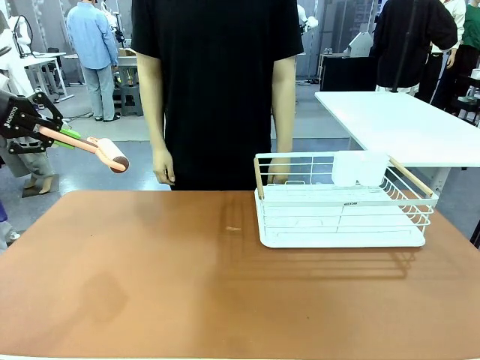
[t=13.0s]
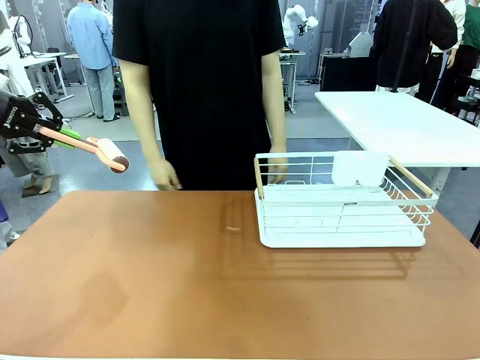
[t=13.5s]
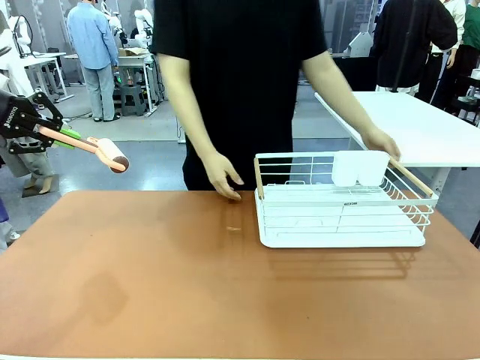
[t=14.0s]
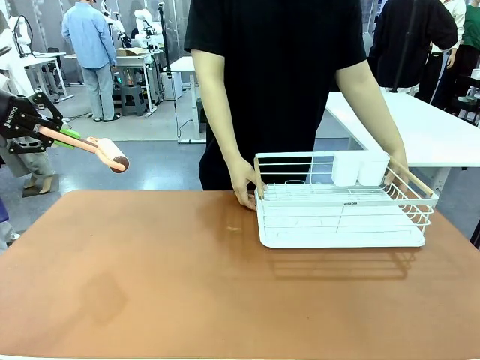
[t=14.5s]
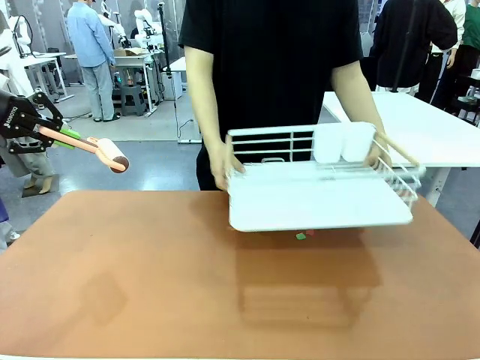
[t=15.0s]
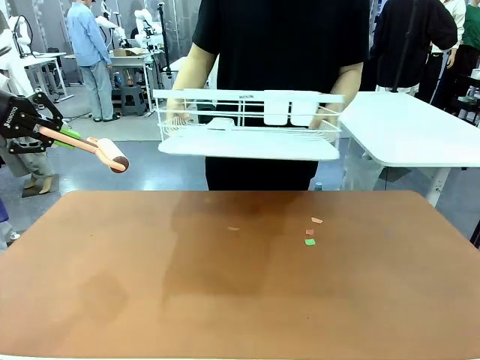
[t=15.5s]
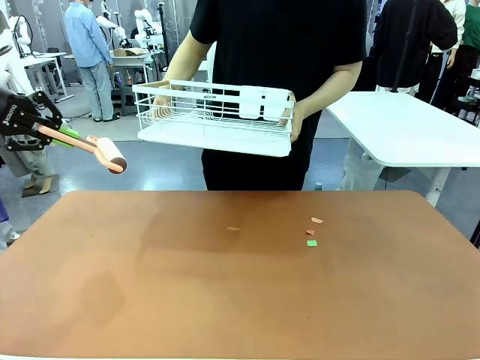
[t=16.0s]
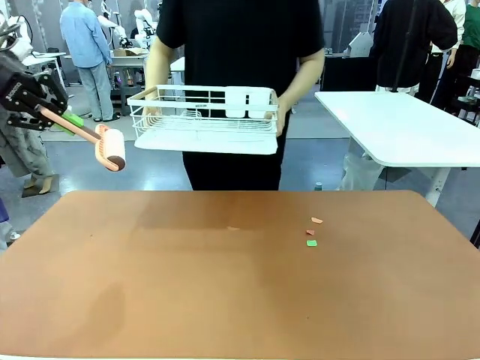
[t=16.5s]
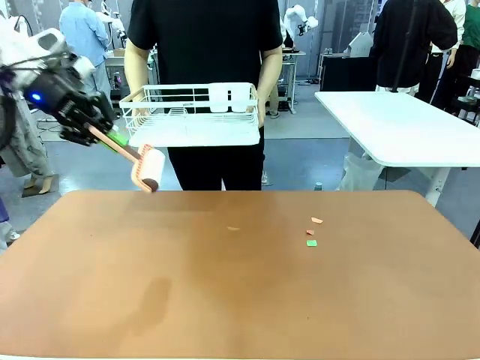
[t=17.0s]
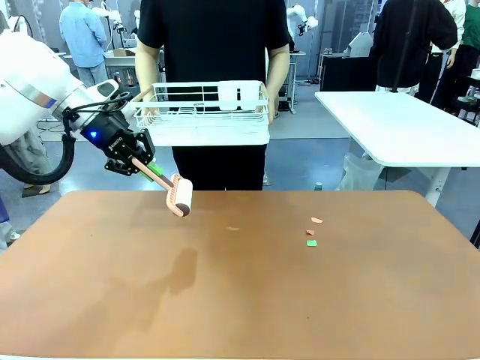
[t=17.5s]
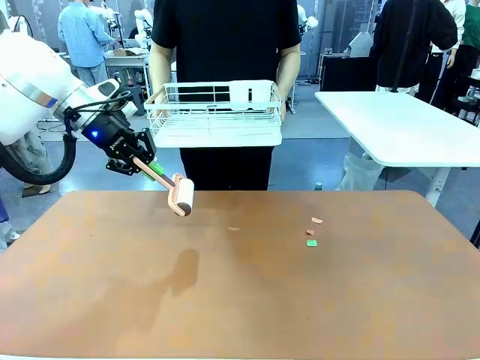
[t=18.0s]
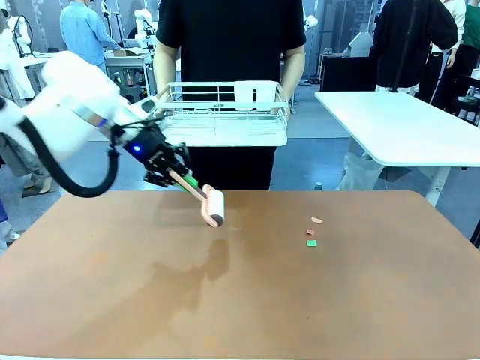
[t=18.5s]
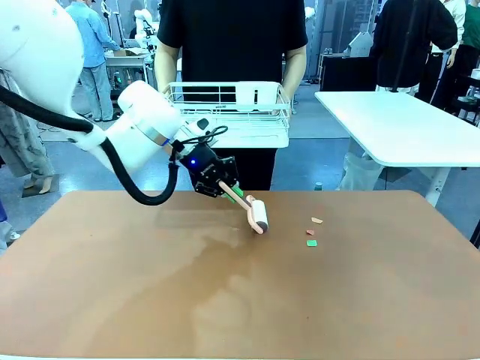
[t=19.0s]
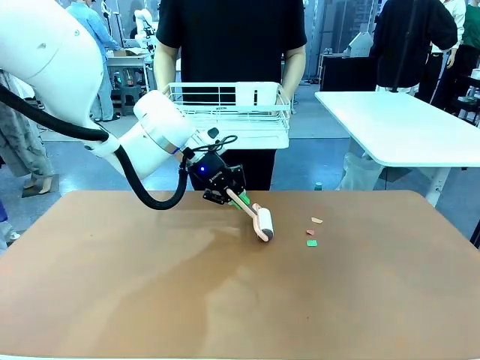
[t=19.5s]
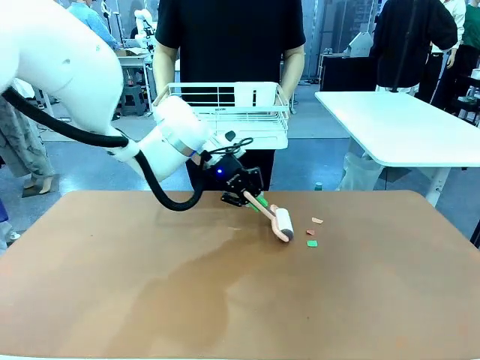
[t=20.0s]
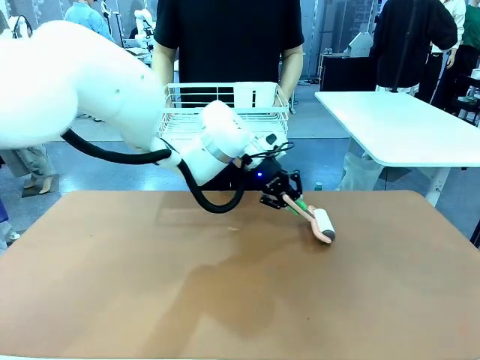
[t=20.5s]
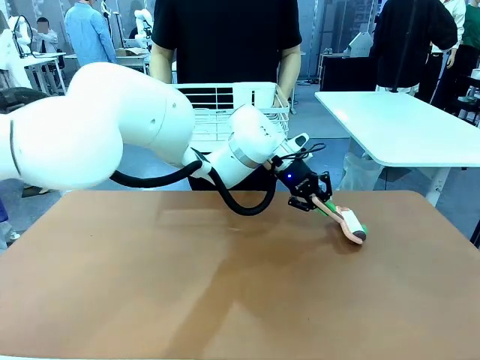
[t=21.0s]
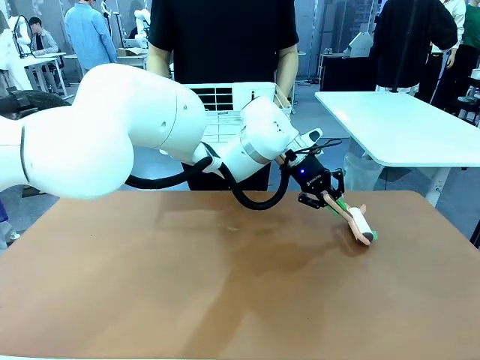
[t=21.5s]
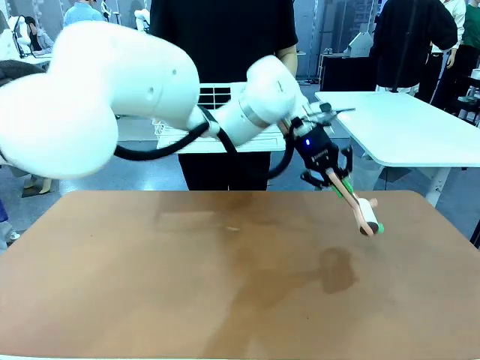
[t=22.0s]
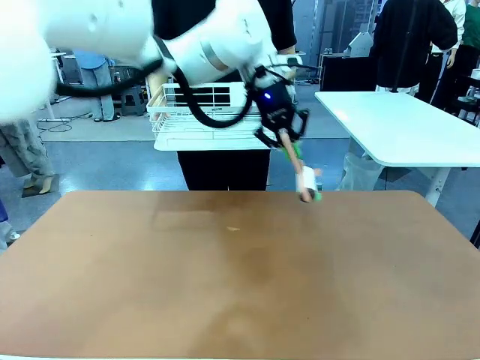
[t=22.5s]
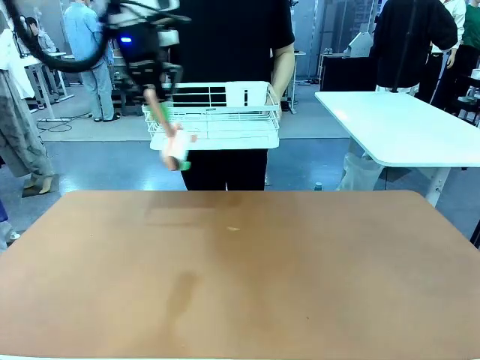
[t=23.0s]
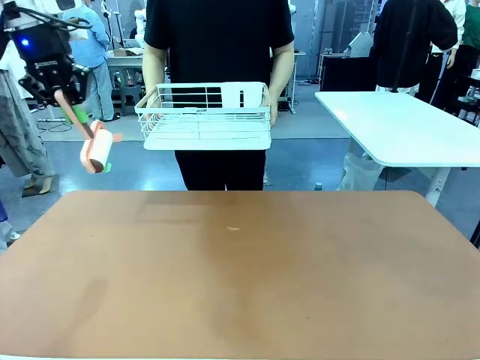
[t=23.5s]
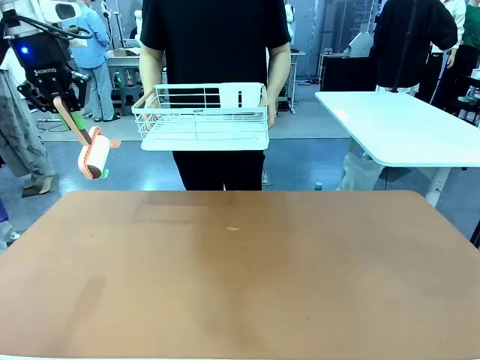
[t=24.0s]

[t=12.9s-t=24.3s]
Task: Clean the table.
Robot: Clean the table with the Lint Roller when the human lifts the Dish drying rack.

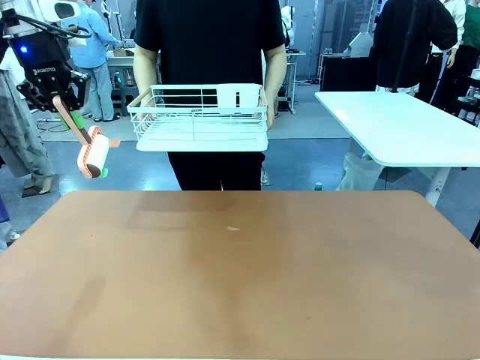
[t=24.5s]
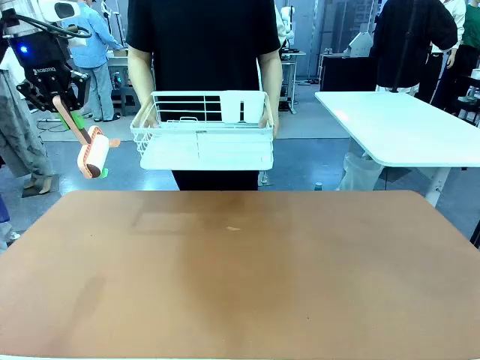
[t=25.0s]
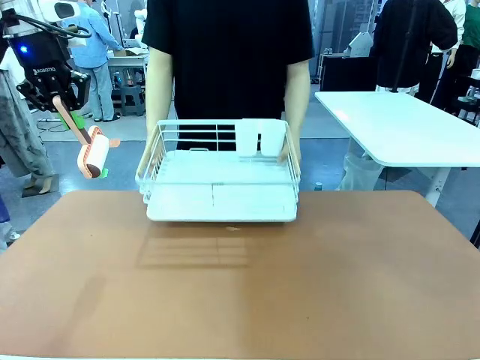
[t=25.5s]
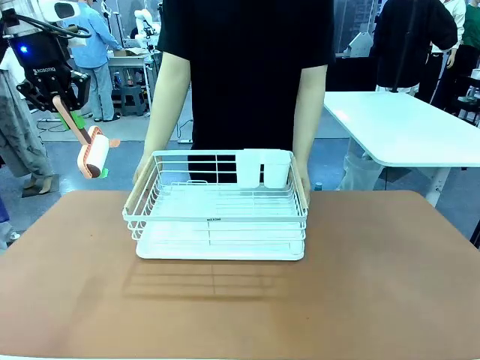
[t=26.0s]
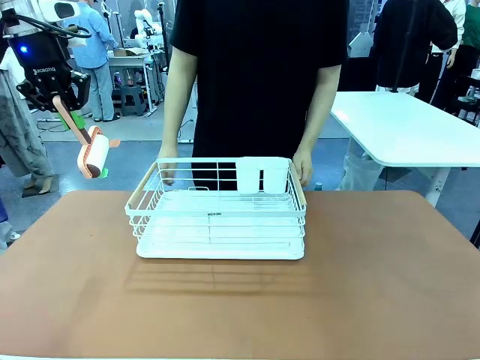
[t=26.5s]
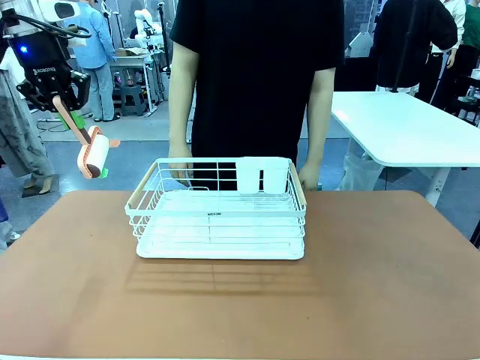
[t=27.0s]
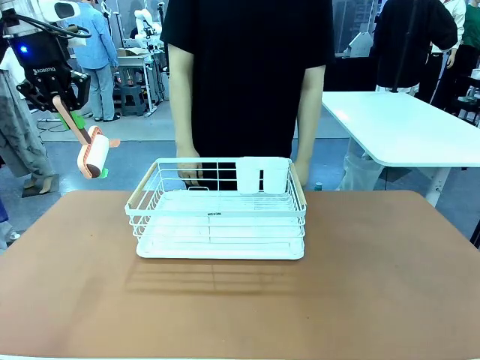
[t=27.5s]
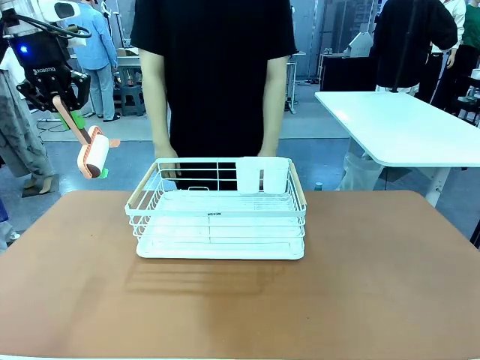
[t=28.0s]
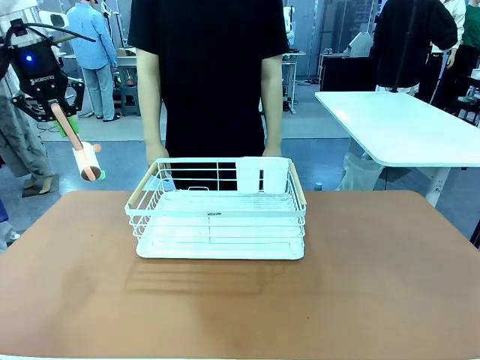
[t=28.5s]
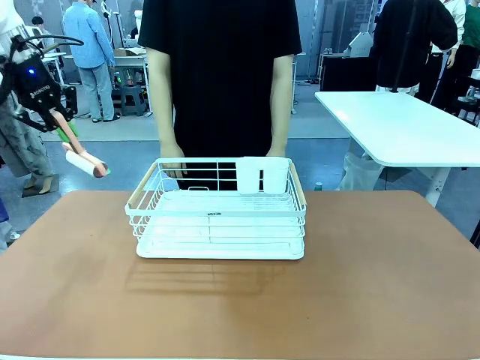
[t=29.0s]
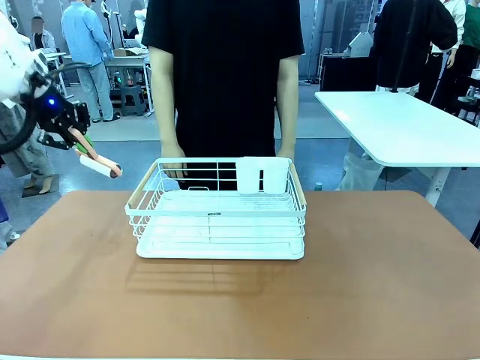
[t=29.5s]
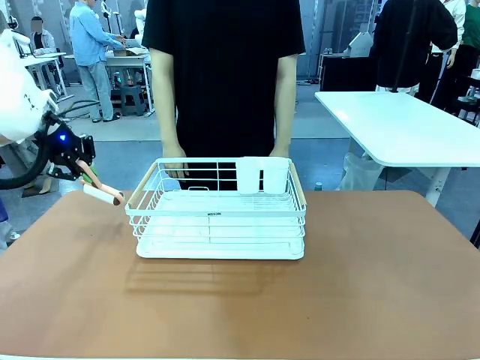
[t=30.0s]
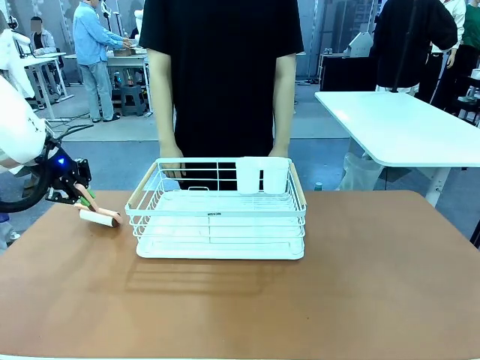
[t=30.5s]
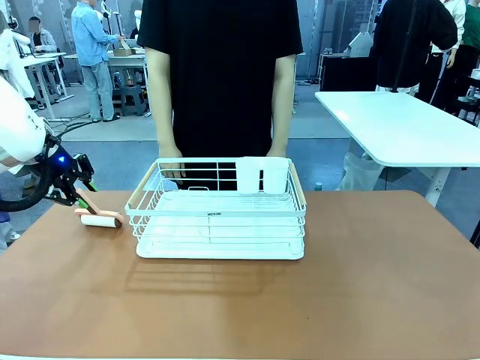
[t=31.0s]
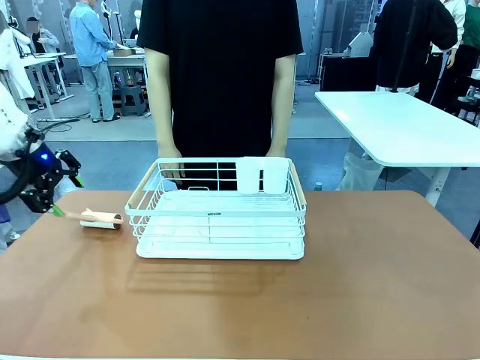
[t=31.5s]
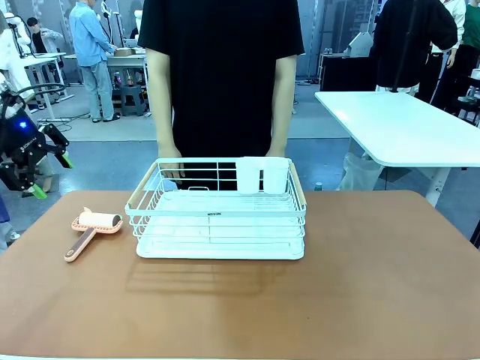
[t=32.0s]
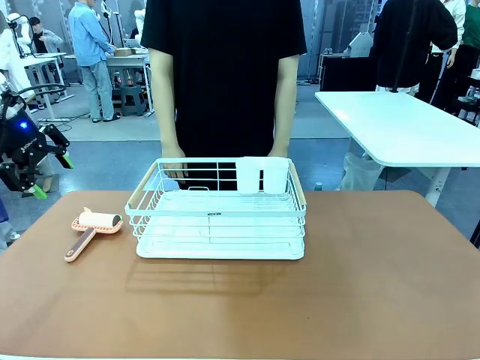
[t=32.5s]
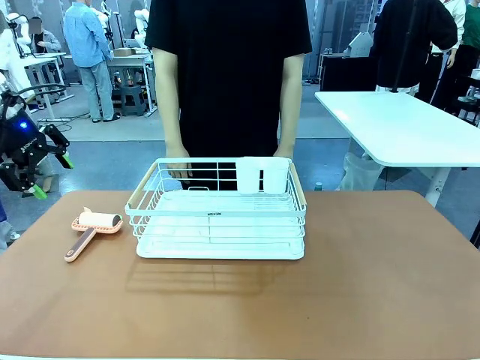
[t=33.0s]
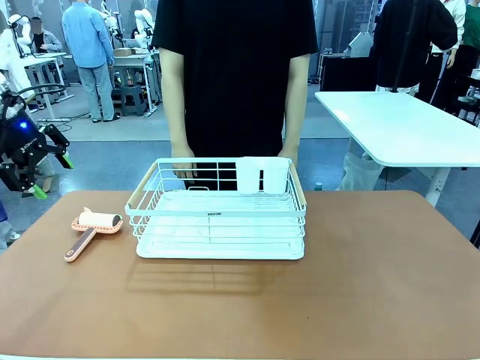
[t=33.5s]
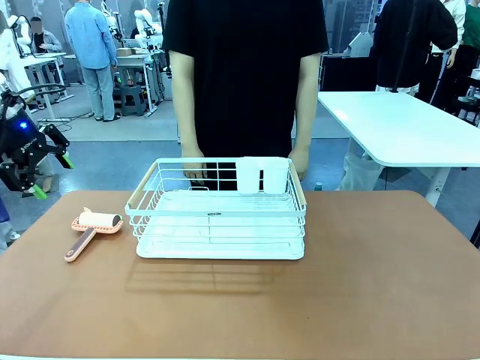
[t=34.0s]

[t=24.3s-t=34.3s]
Robot: Place the Lint Roller down when the Dish drying rack is positioned in the middle of the table.
Person: Place the Dish drying rack down when the robot finishes cleaning.

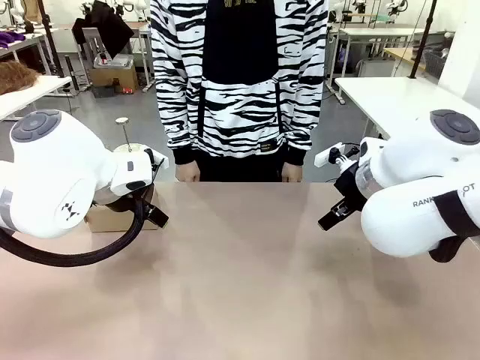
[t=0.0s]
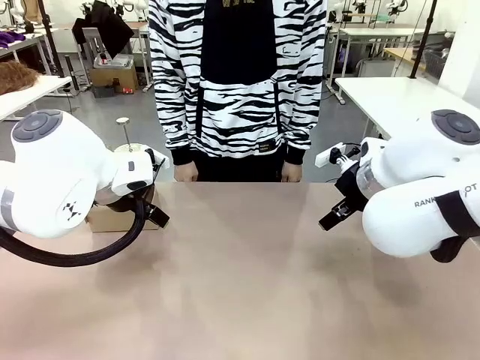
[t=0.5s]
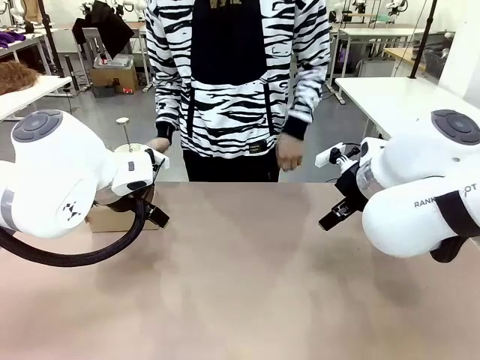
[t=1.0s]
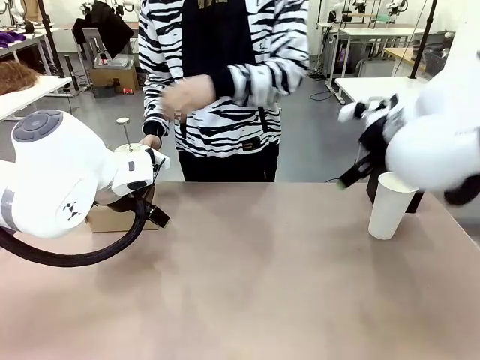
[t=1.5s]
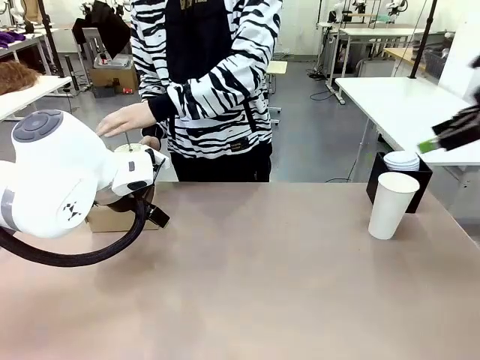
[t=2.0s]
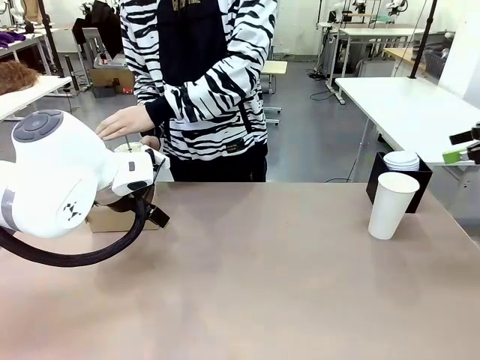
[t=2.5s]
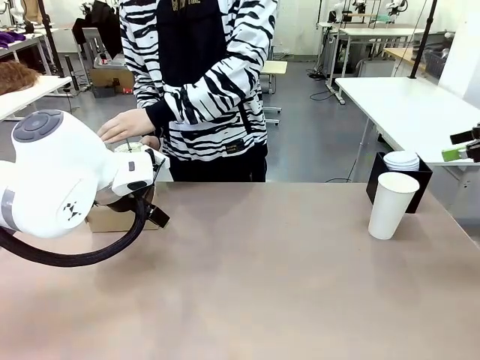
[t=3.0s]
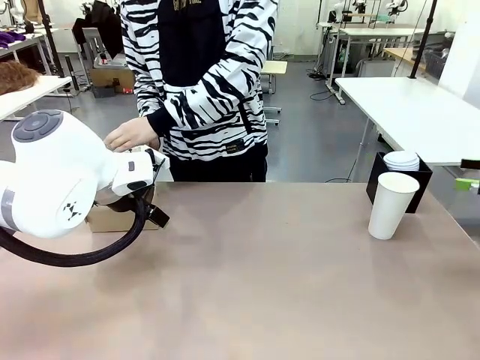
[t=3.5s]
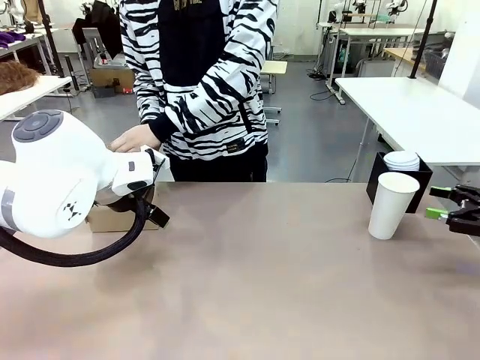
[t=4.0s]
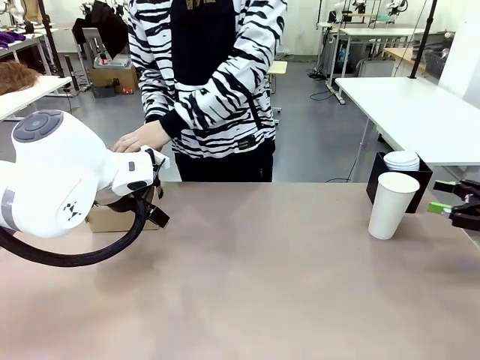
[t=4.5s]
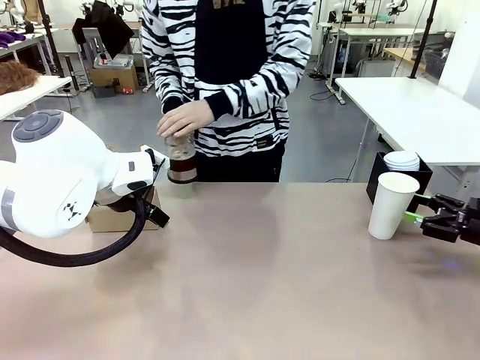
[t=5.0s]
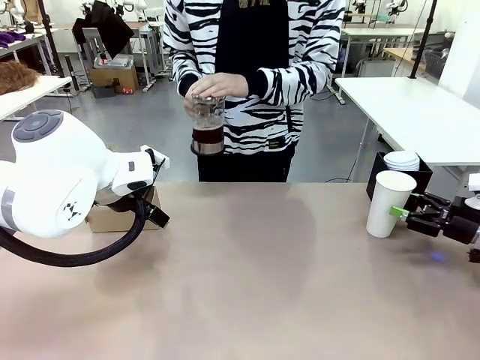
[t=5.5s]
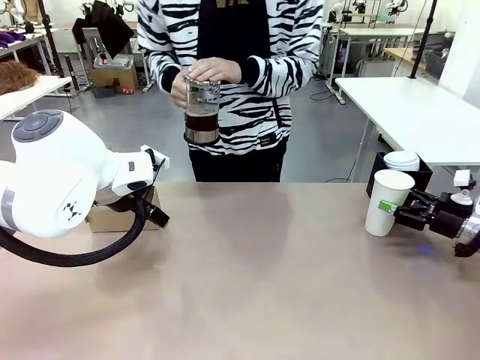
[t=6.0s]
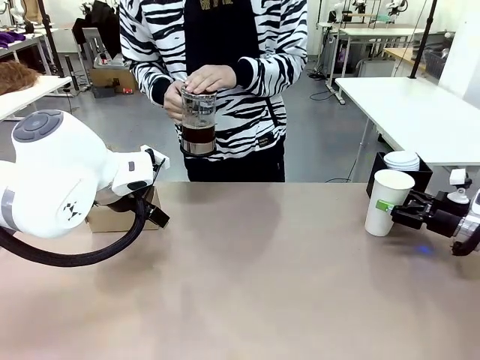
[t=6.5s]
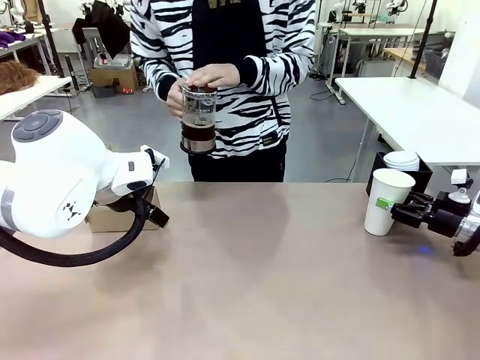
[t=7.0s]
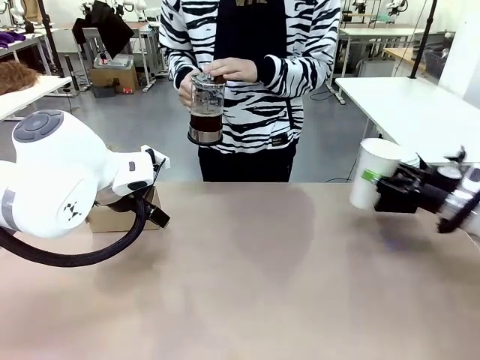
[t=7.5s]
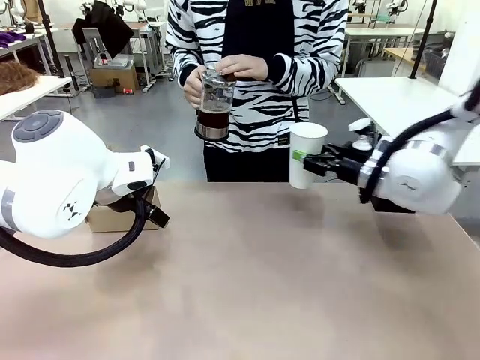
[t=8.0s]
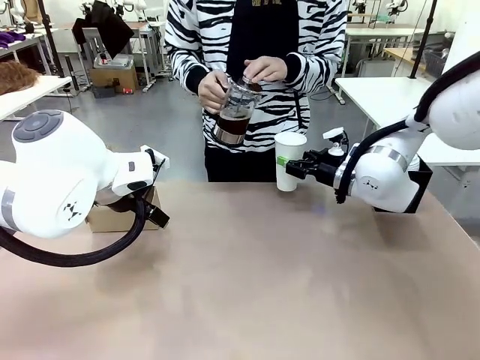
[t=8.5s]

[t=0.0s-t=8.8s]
Task: Pour a drink into a cup and package it in a carrier.
Robot: Pick up the 600 ml Paper Cup and place it in the middle top area of the table.
Person: Press and pick up the Filter Brewing.
